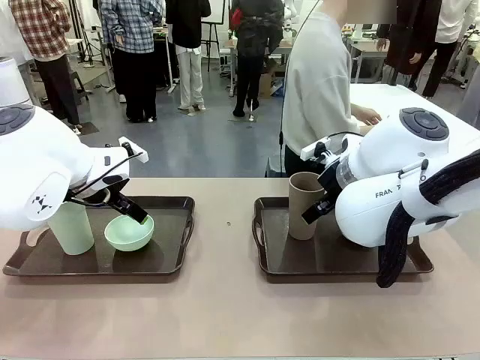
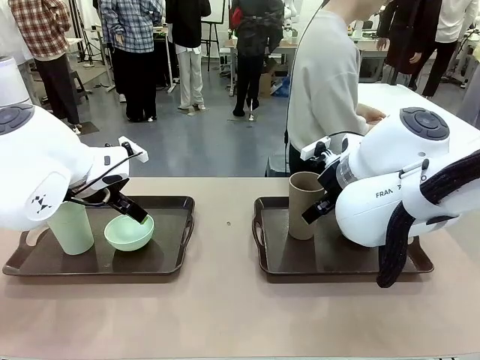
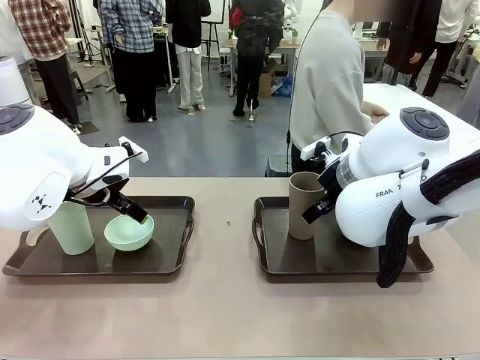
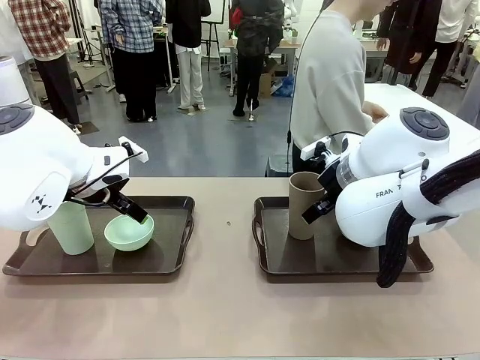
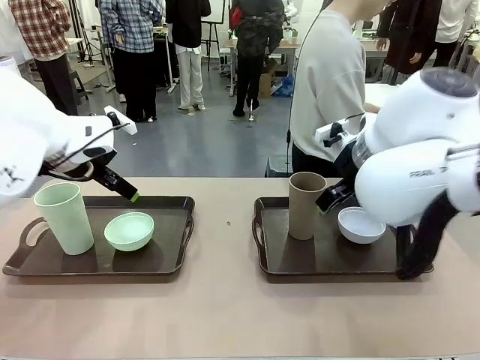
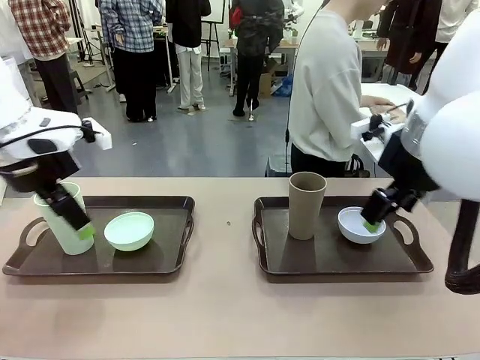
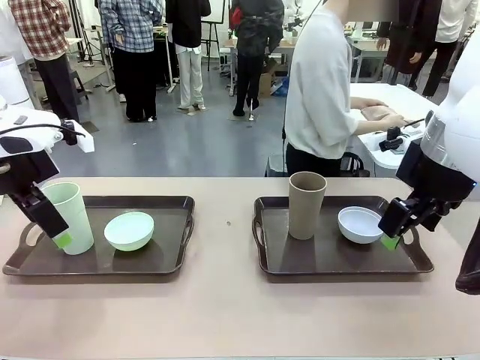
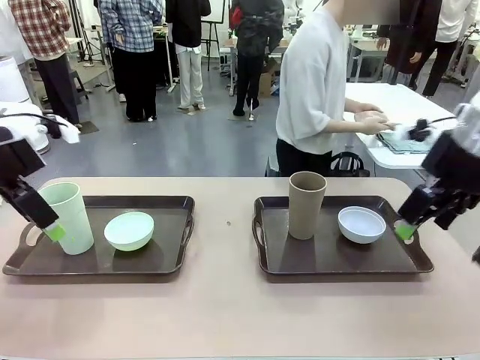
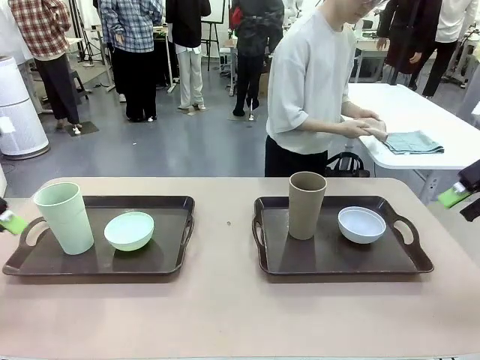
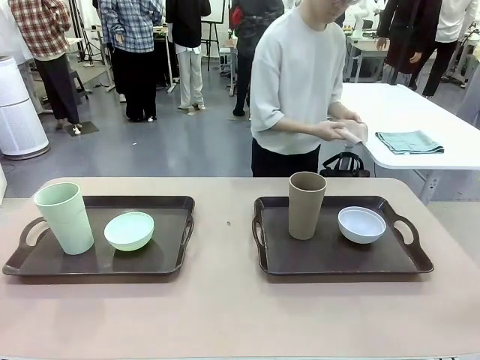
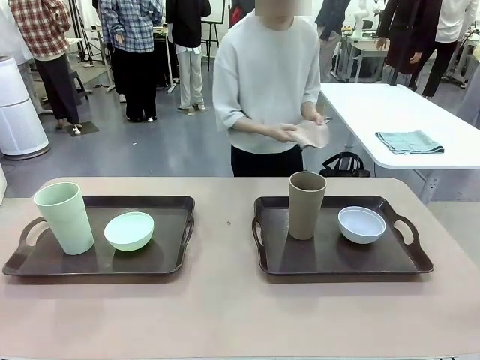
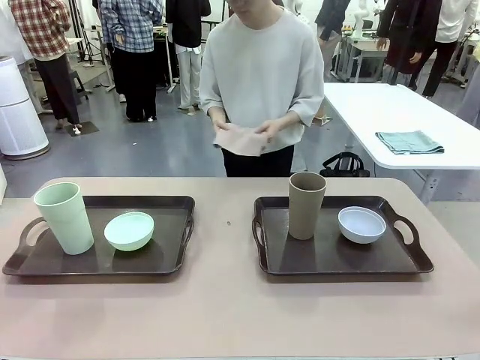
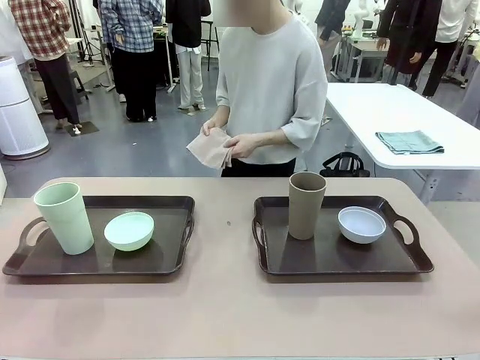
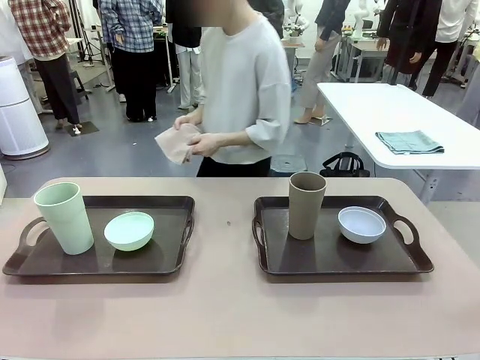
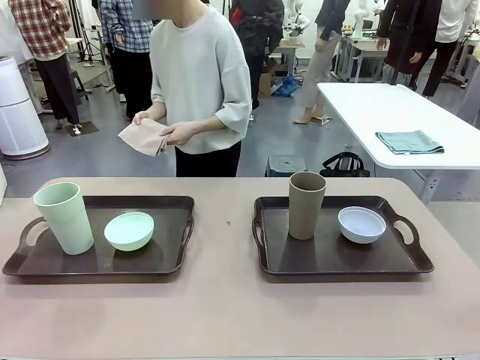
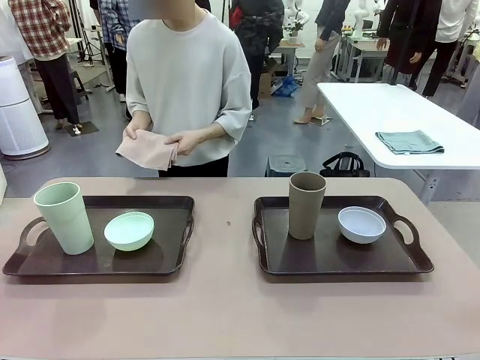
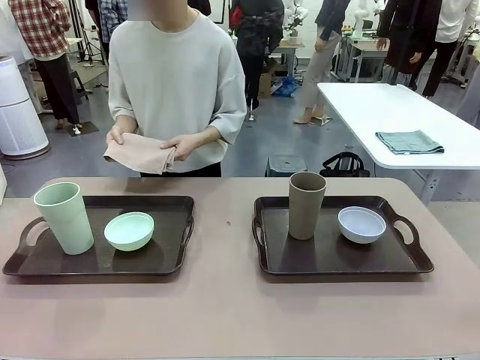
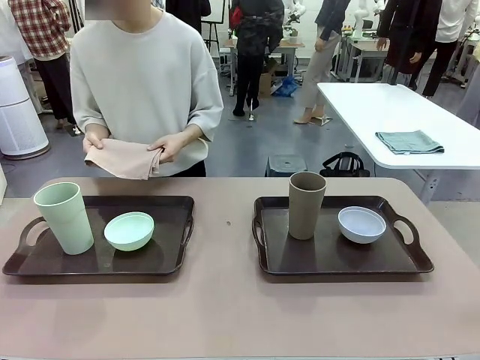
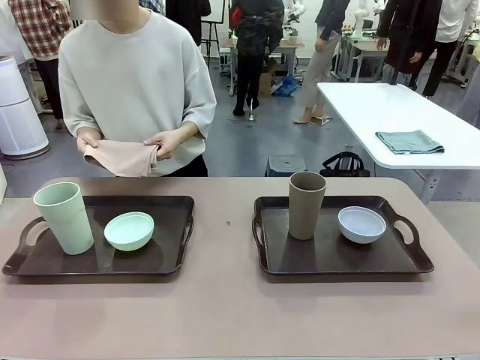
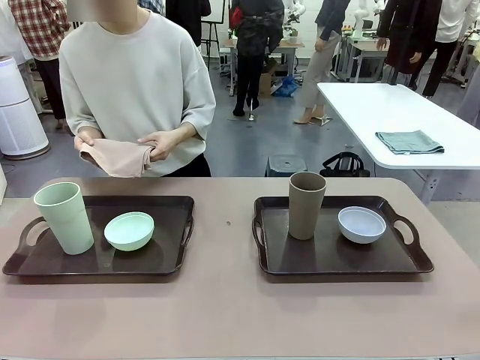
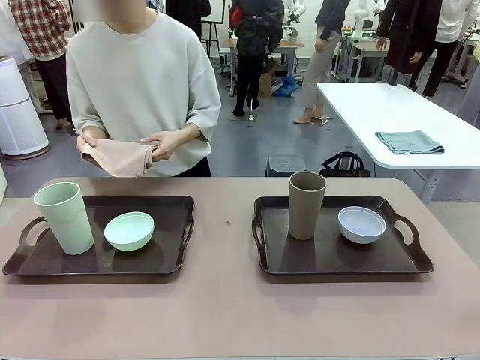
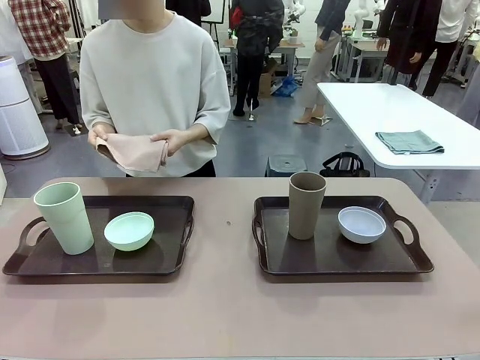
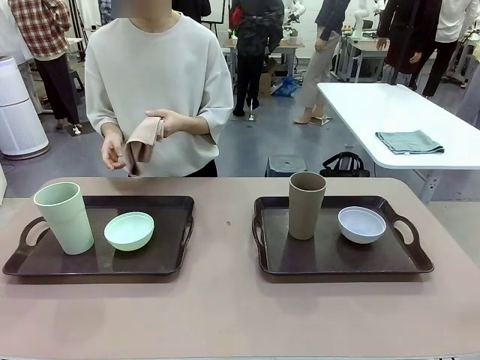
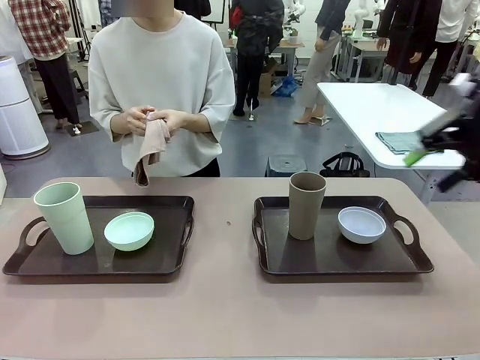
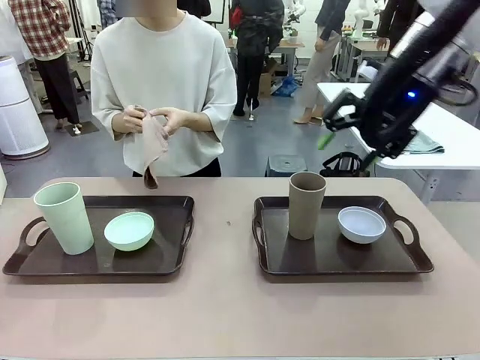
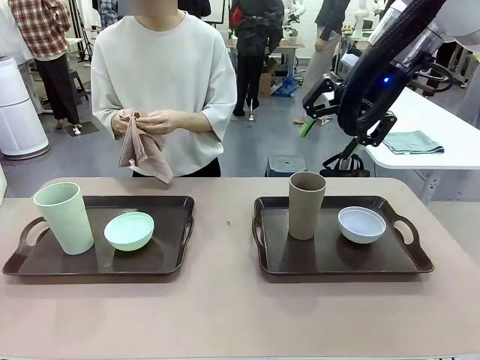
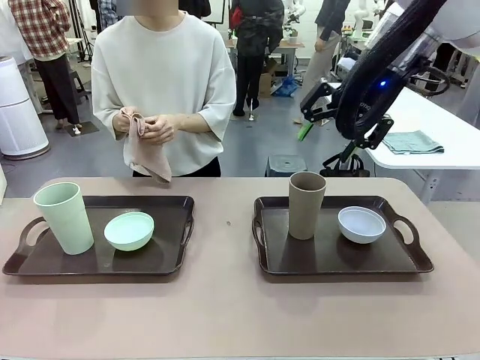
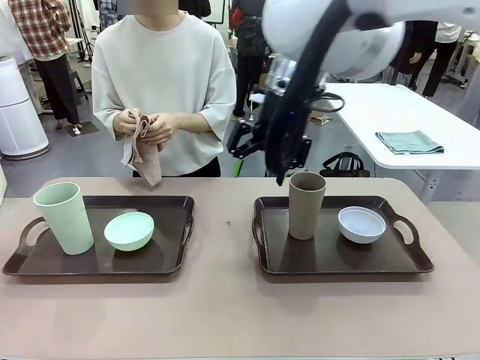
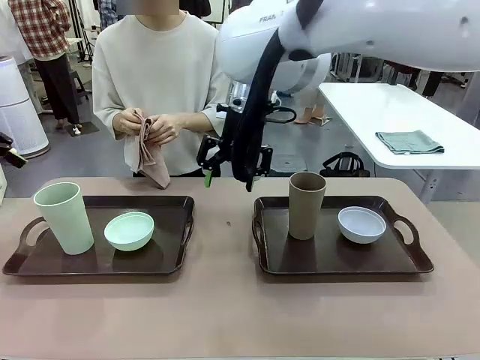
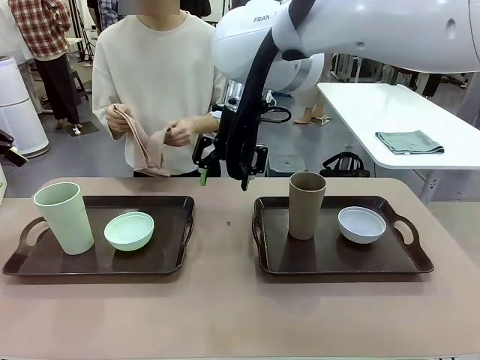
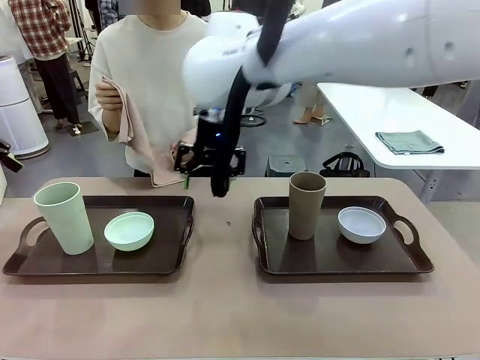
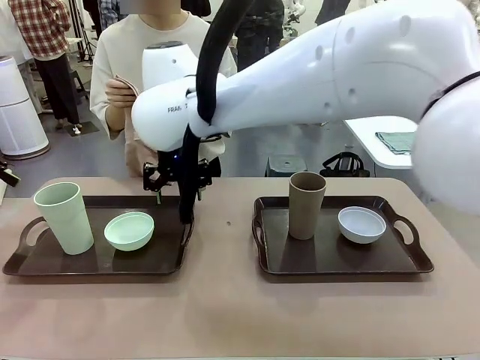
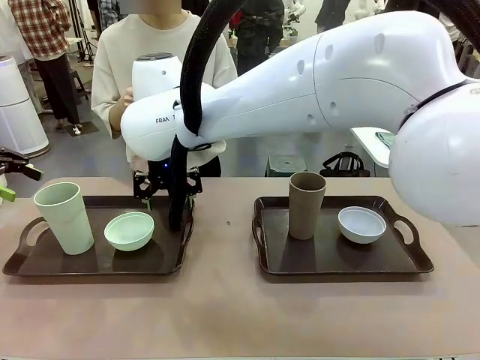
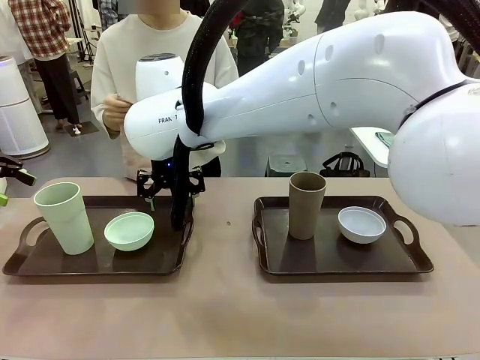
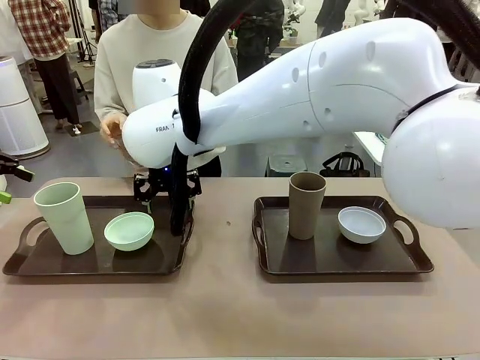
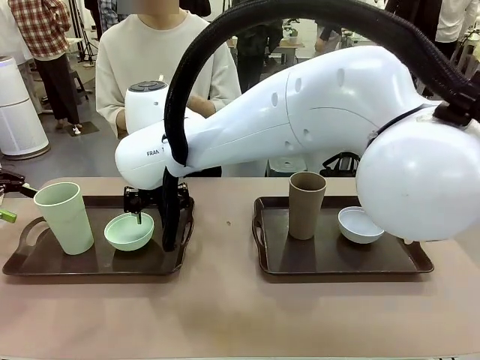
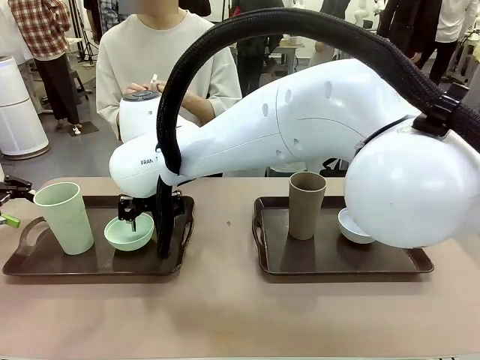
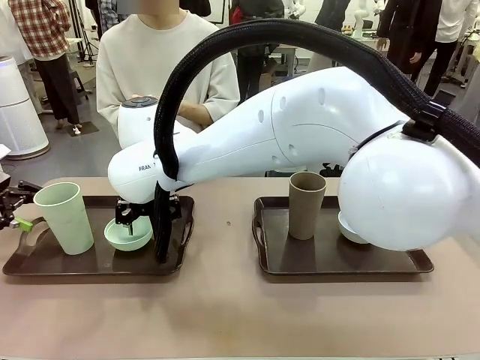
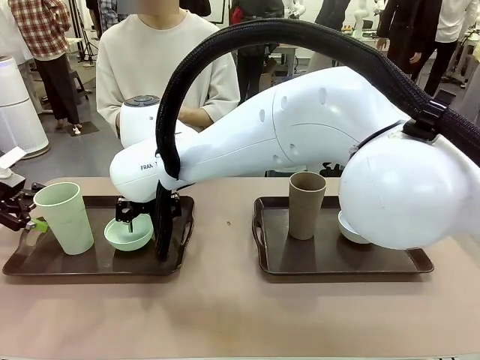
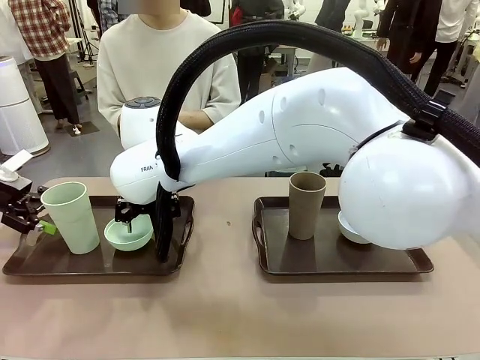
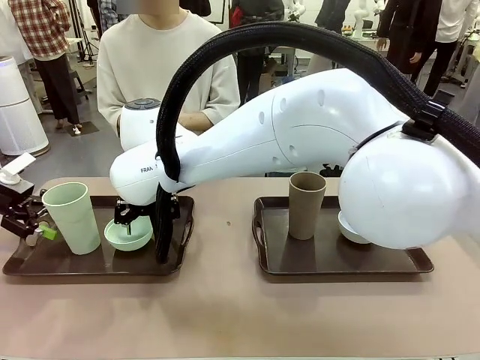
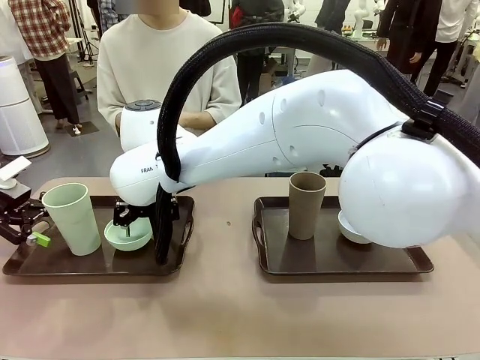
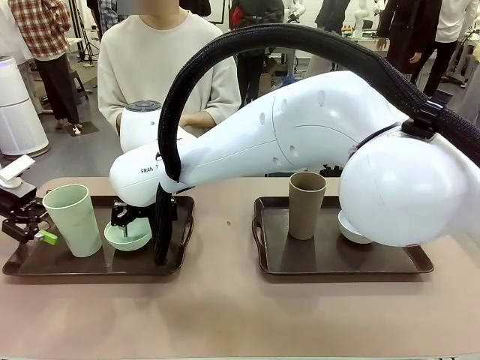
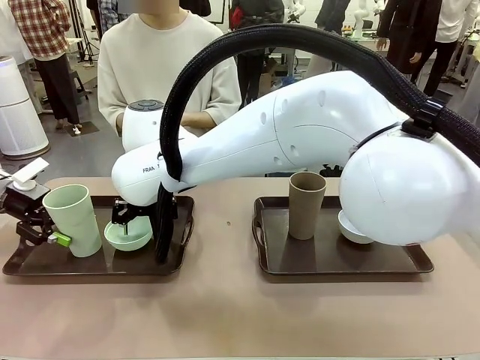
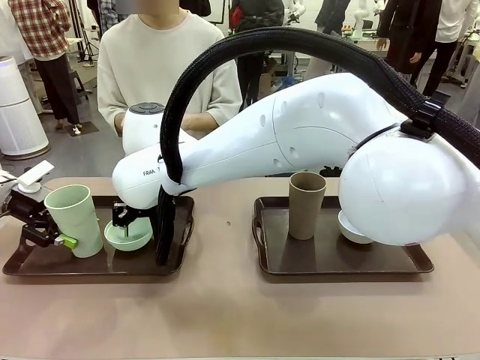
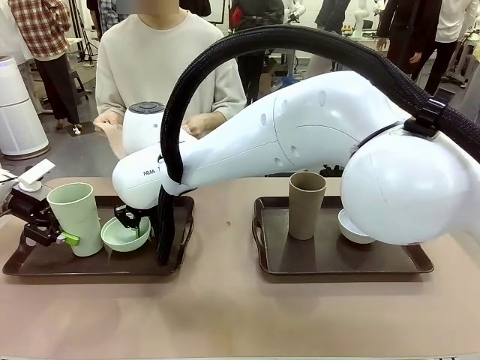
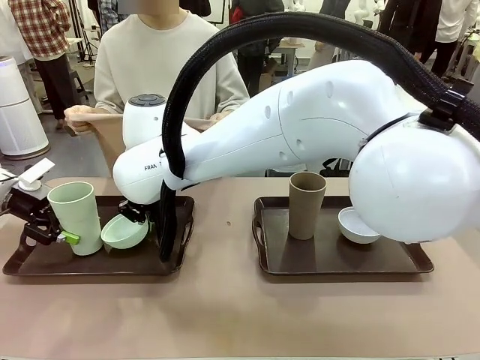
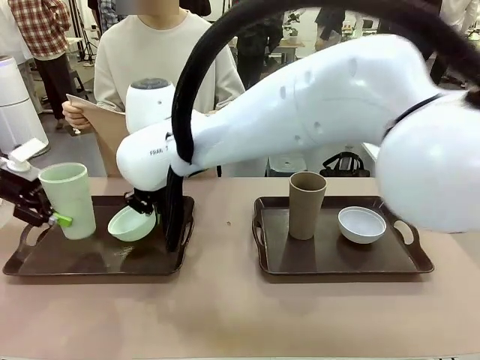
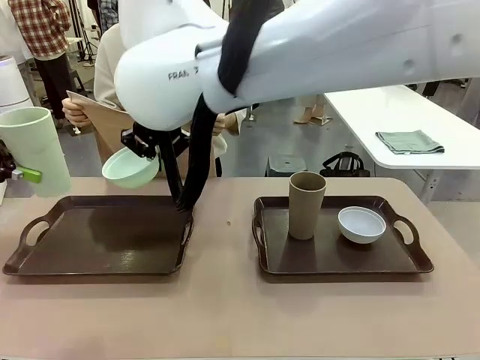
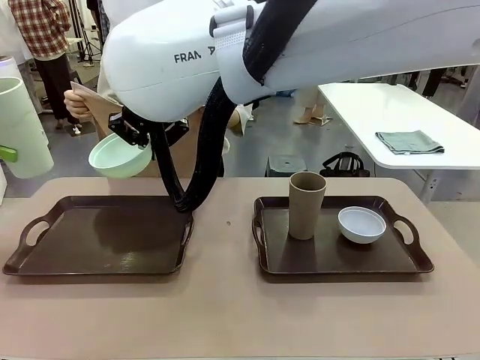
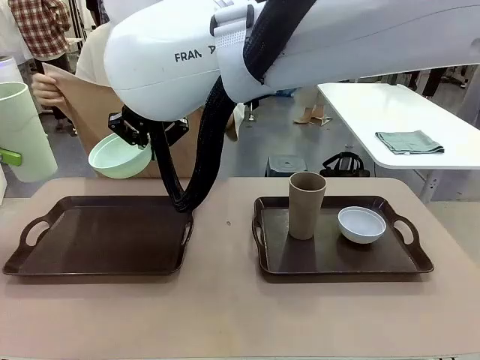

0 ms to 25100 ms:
Robot: Pick up the Picnic Bowl and Reusable plastic cup from the Handle tray in front of the human's position and hold them in the air.
Person: The human picks up the top napkin from the stack on the human table and walks to the robot table to stand in front of one of the two trays. When the robot lifts the bowl and the cup, the human unfolds the napkin and lays the napkin flat on the tray.
